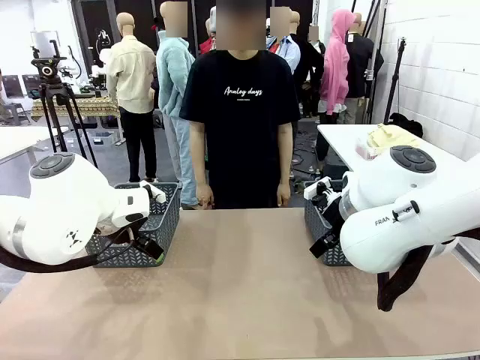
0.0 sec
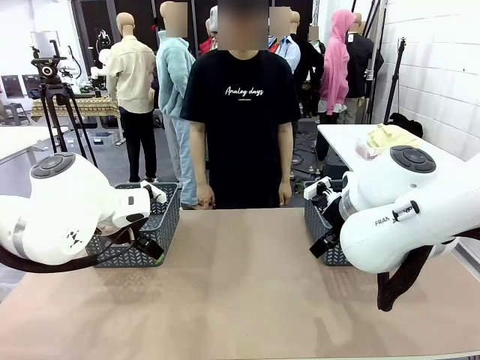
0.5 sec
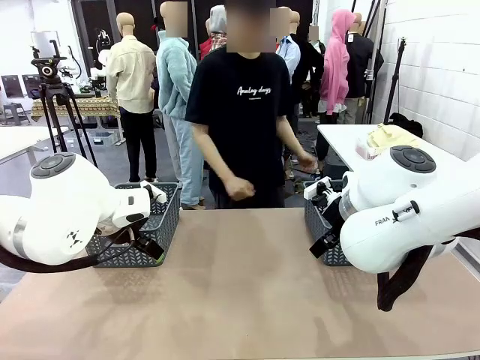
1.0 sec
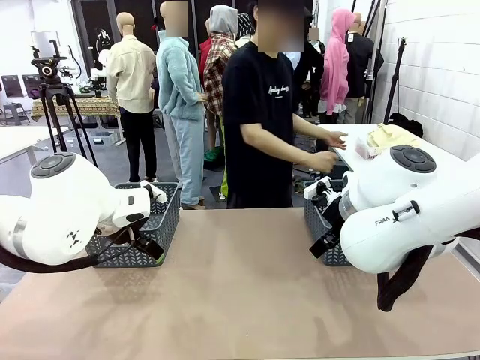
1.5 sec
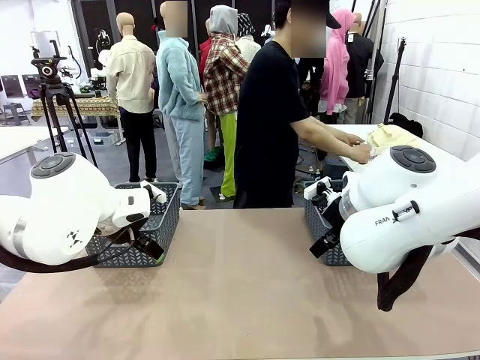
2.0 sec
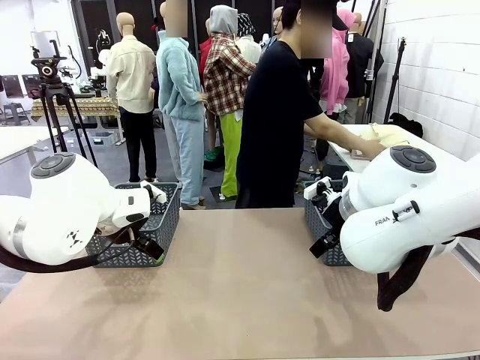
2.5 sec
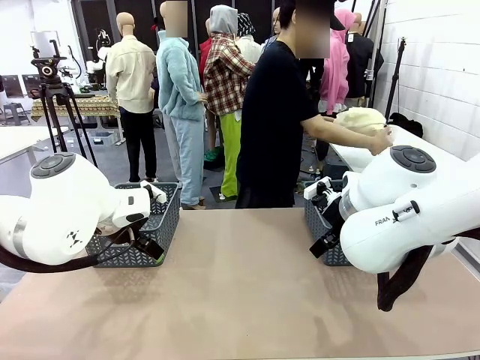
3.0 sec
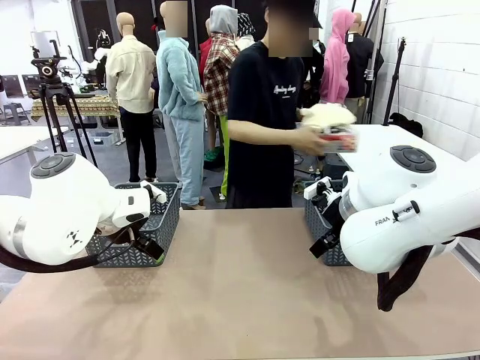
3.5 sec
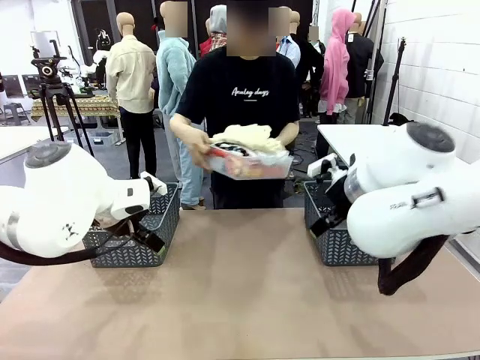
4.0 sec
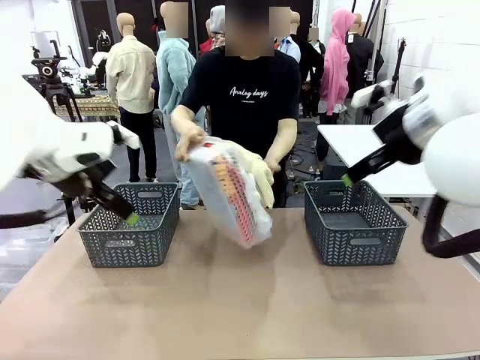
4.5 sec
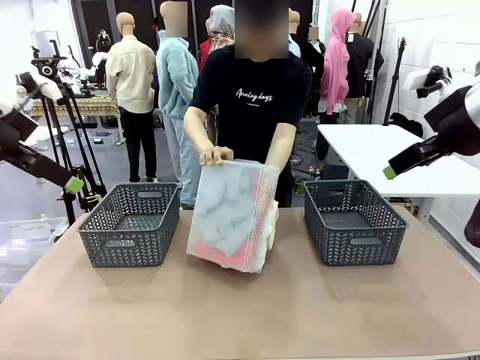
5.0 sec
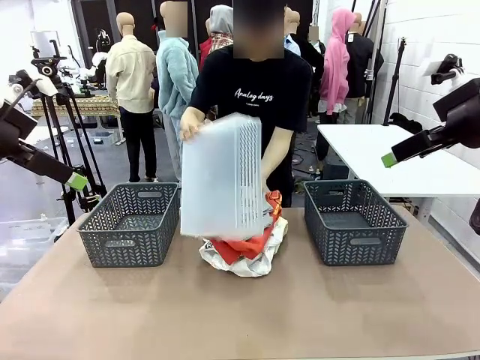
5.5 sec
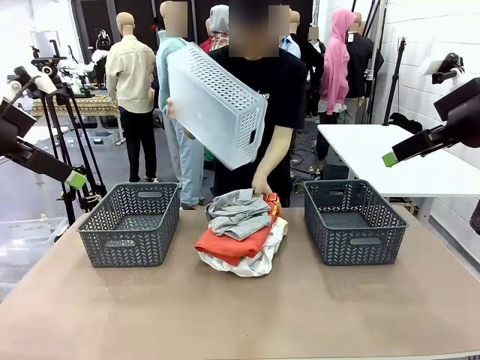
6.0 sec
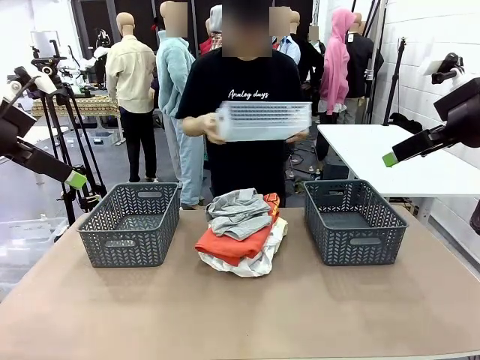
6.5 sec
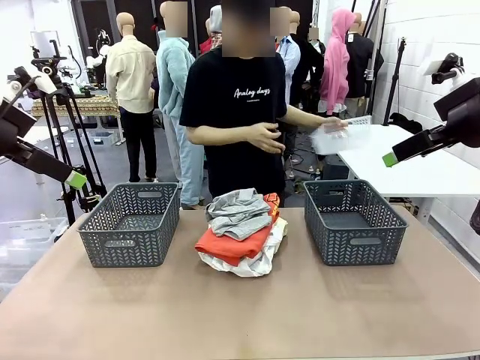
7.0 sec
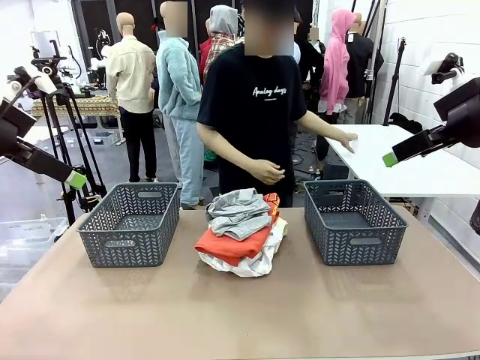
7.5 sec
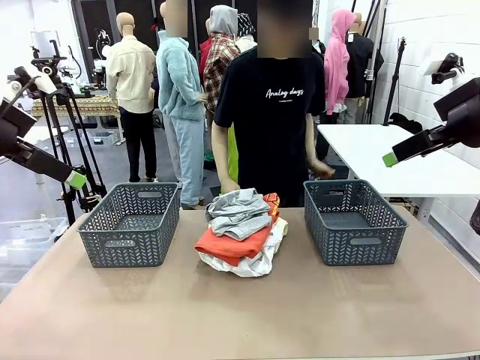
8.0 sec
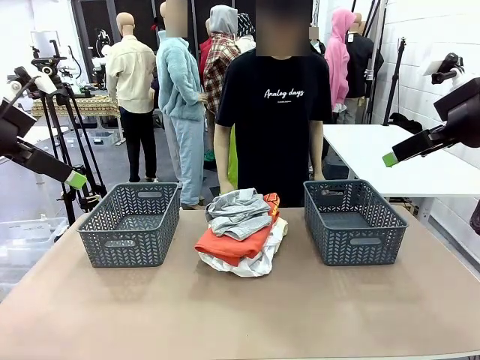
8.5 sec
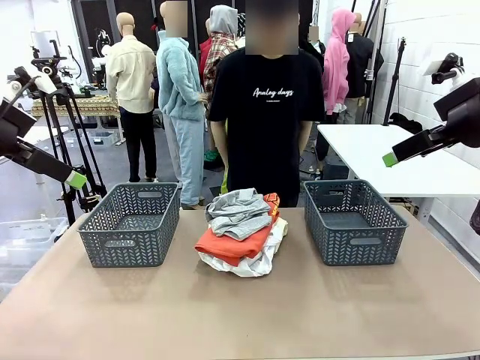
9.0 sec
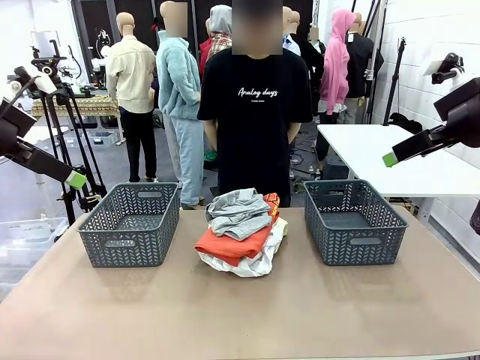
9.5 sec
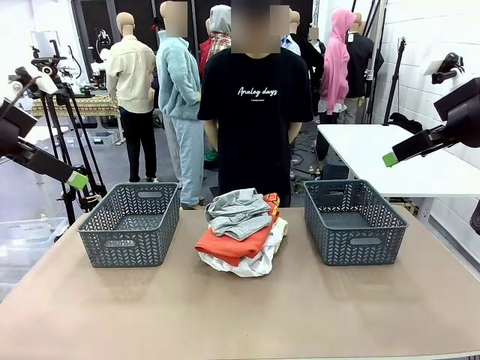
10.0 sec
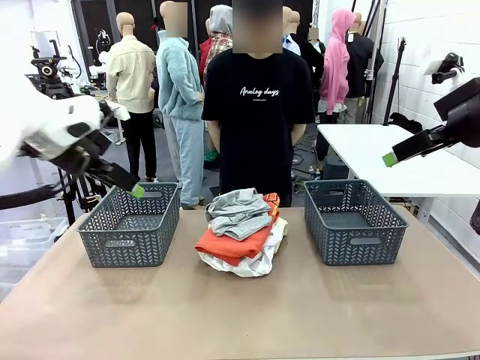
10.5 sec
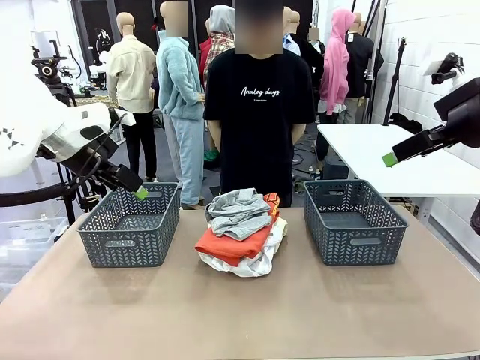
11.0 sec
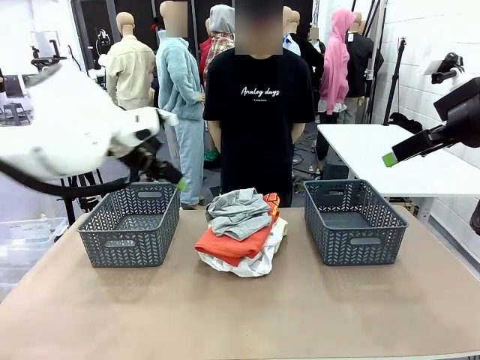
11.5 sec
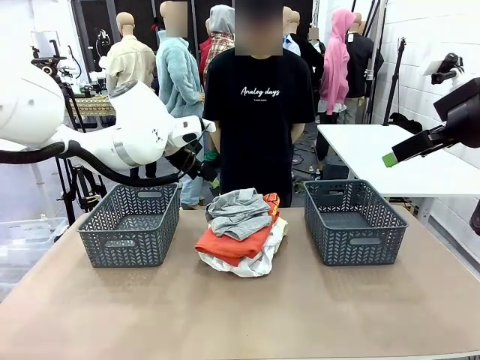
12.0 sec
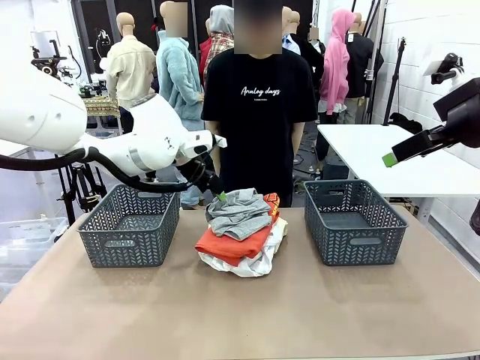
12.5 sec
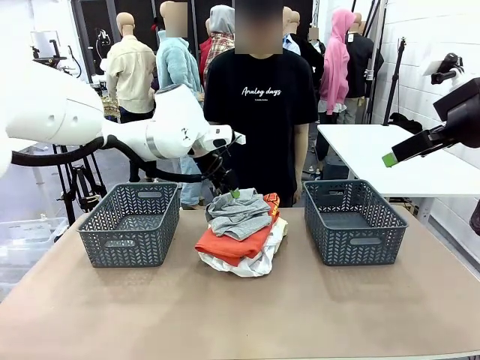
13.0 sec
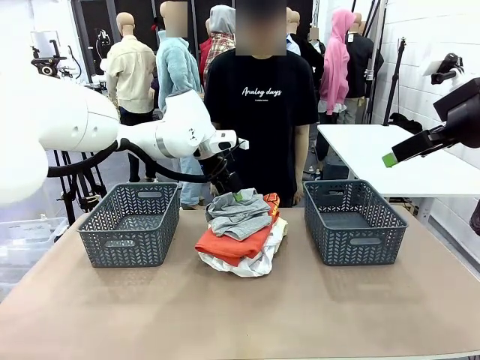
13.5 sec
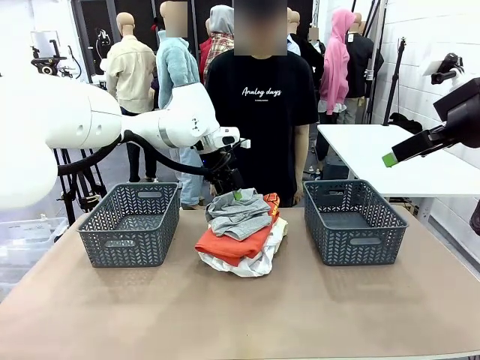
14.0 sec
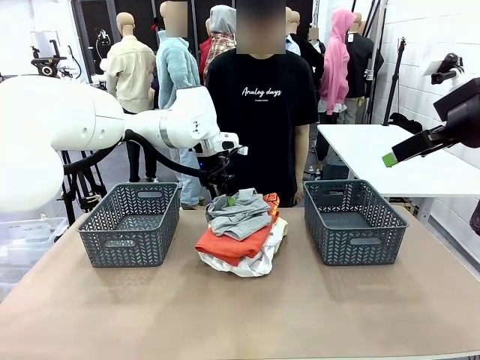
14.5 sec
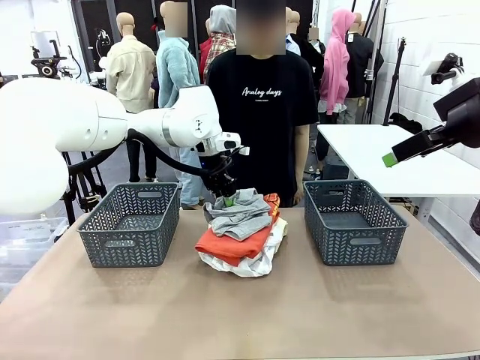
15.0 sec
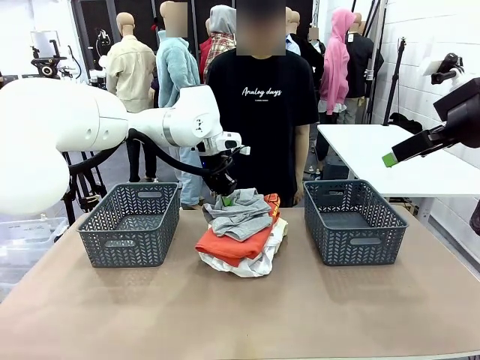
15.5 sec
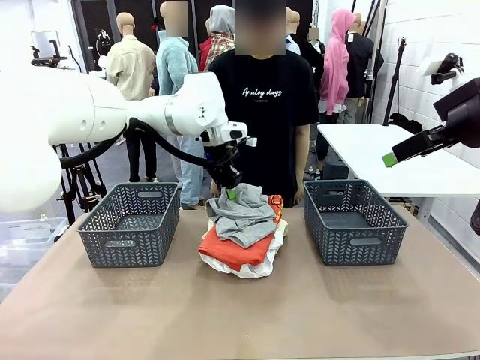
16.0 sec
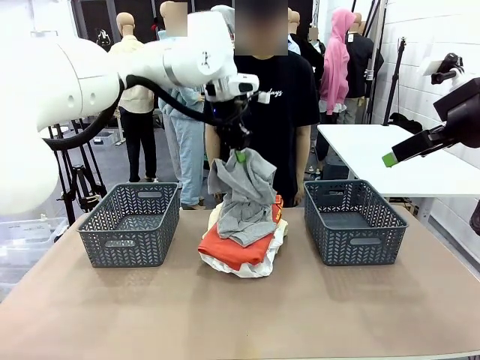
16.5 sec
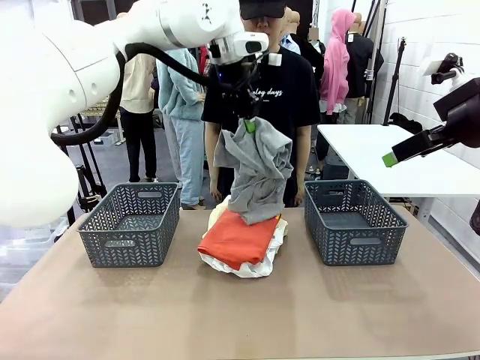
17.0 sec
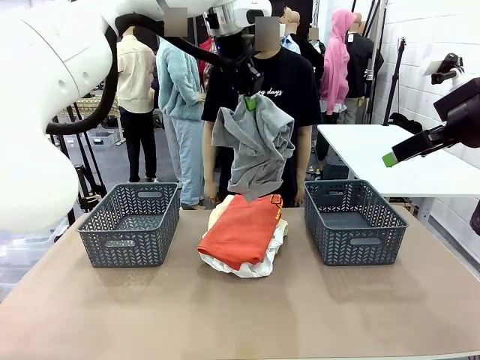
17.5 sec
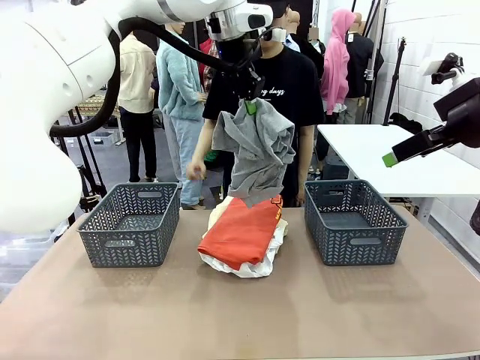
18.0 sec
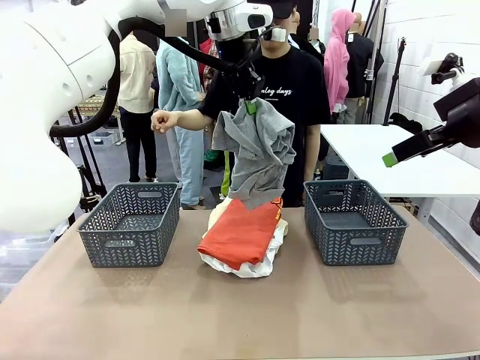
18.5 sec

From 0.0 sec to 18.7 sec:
Task: Sort the tops and bottoms.
Robot: Lift clothes from the center of the table with your left hand.
Person: Pour the clothes from the basket onto the center of the robot table.

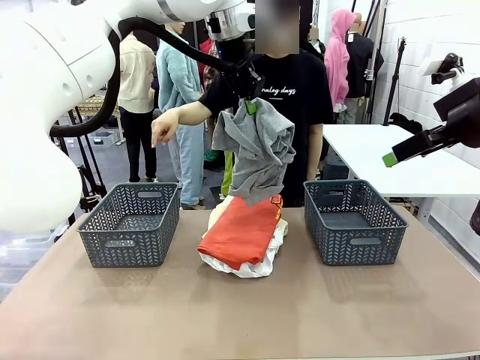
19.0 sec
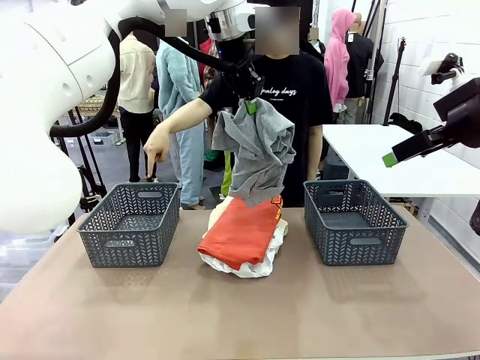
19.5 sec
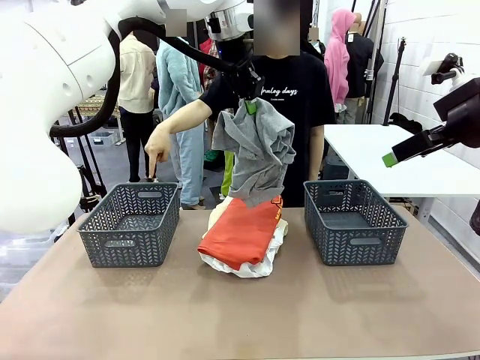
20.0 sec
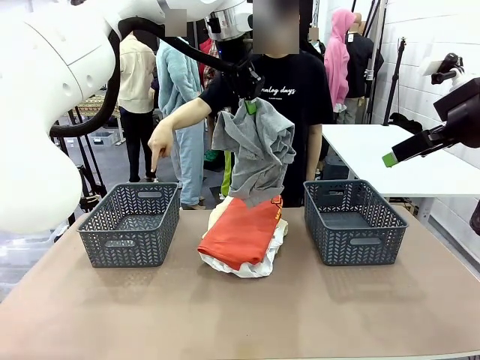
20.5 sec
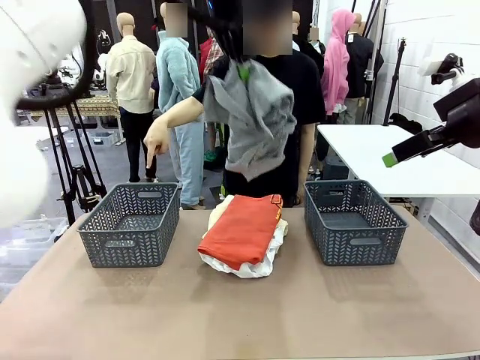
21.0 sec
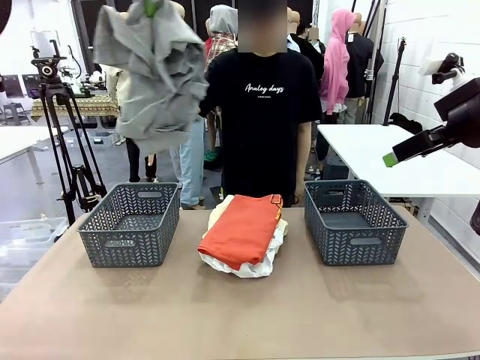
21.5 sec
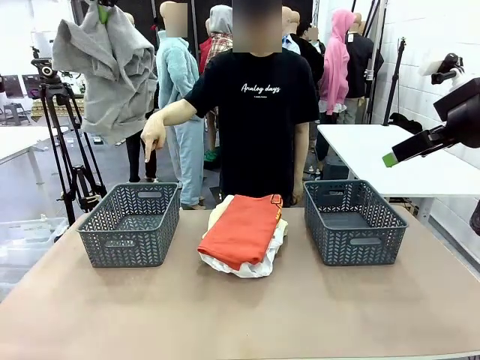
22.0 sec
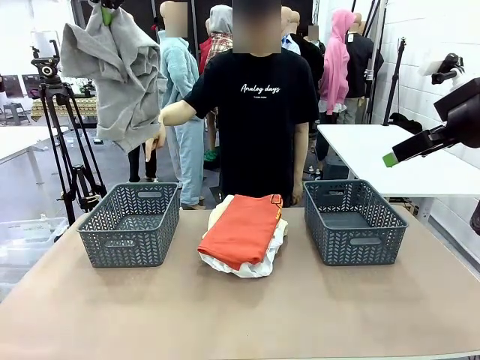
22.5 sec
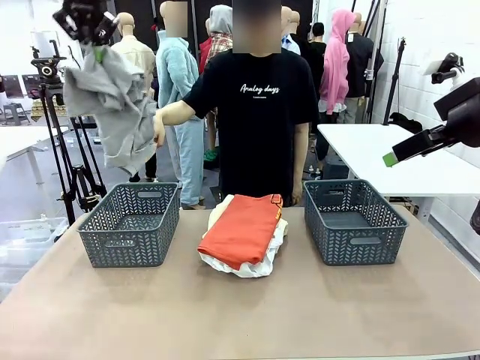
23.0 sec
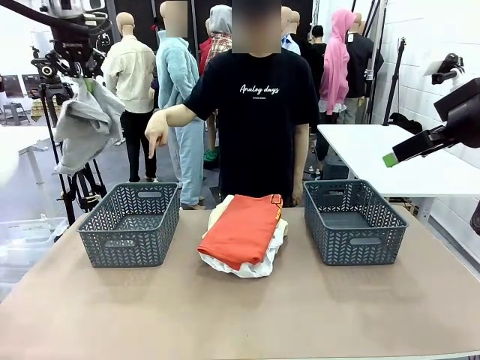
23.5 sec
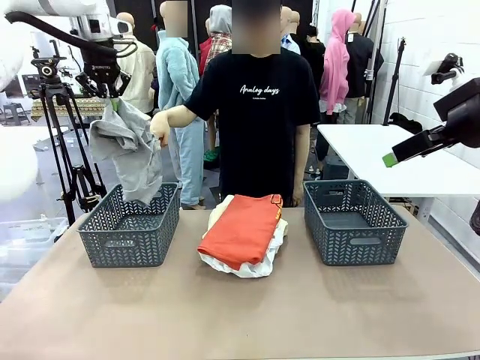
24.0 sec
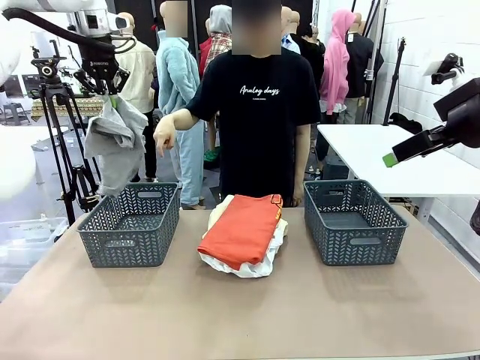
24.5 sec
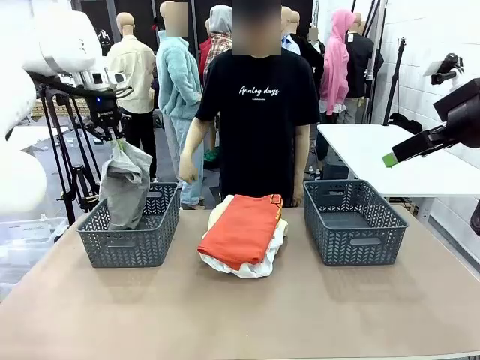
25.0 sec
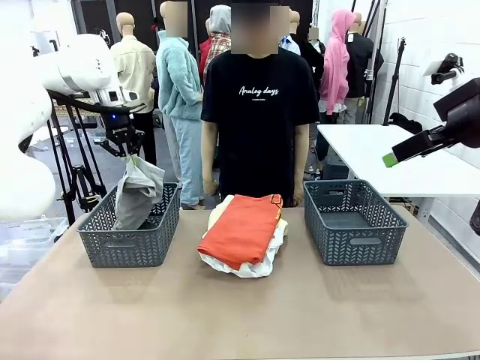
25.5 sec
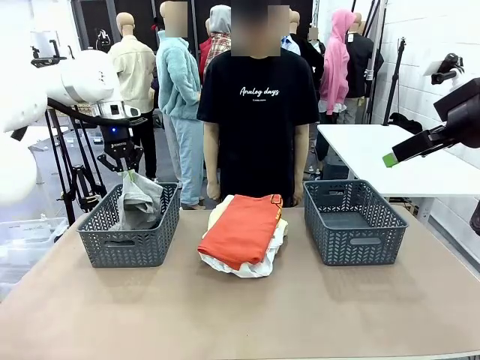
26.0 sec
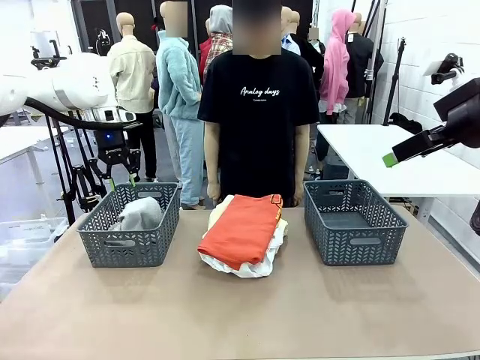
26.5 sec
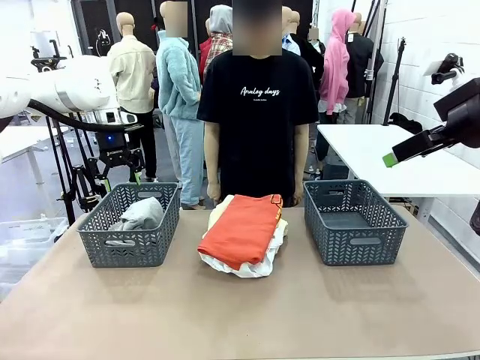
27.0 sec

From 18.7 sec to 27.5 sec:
Robot: Sort the clothes according to human instructions.
